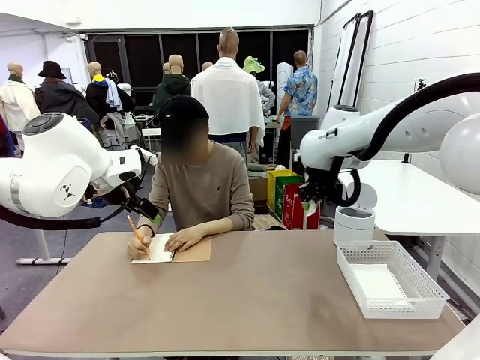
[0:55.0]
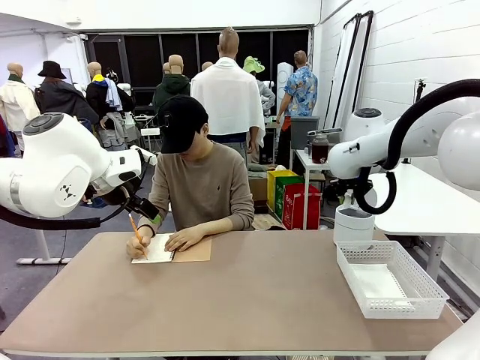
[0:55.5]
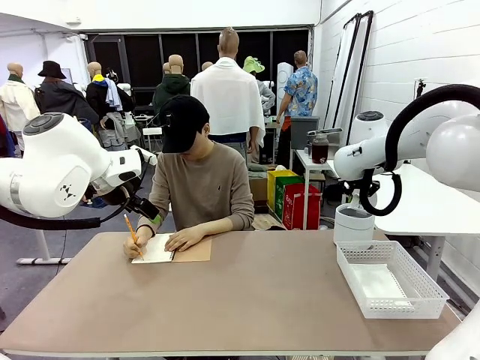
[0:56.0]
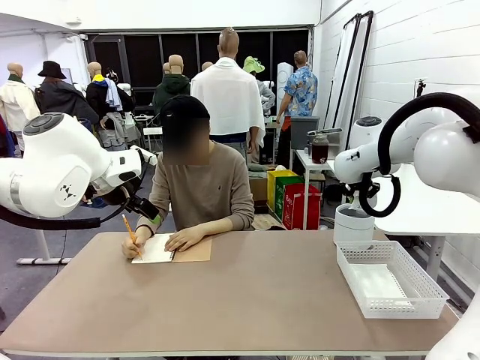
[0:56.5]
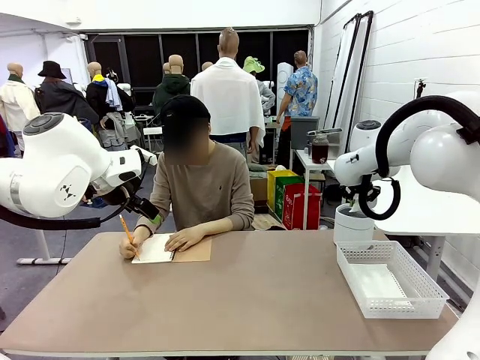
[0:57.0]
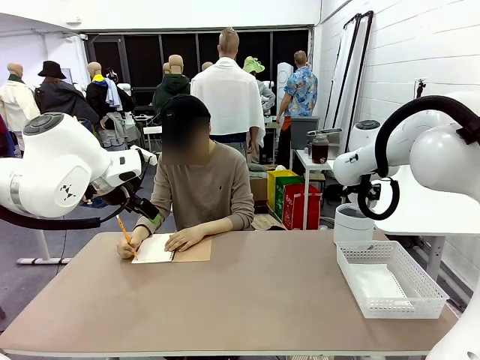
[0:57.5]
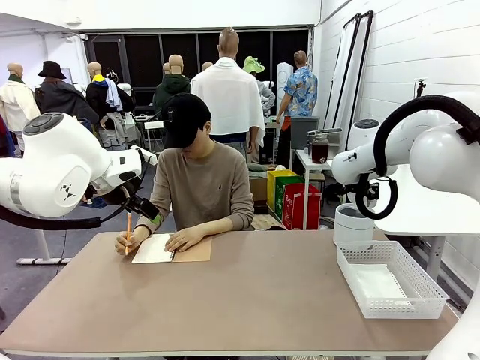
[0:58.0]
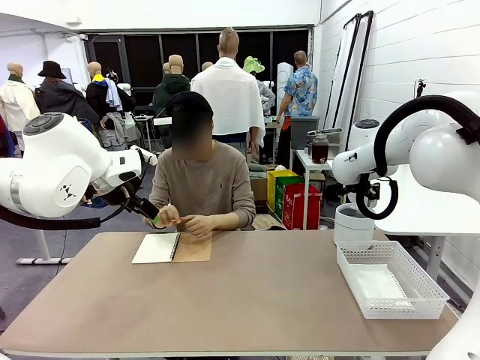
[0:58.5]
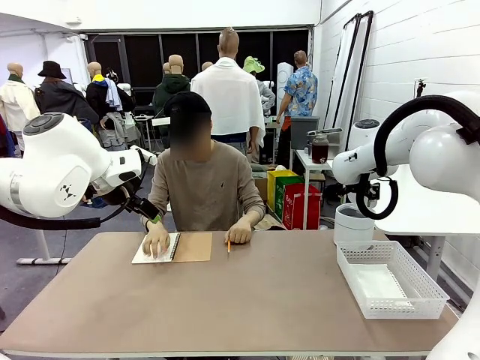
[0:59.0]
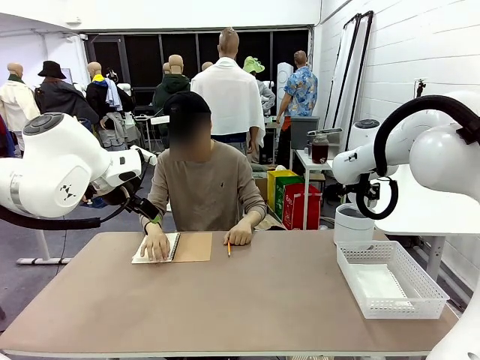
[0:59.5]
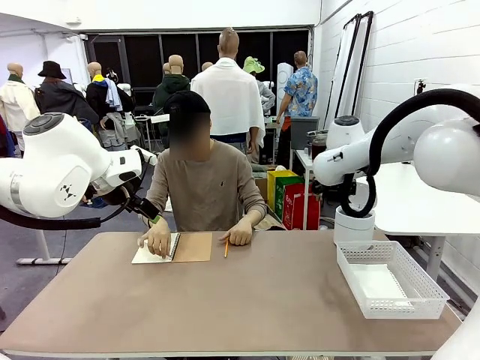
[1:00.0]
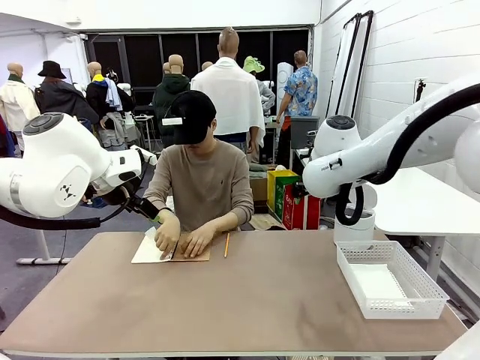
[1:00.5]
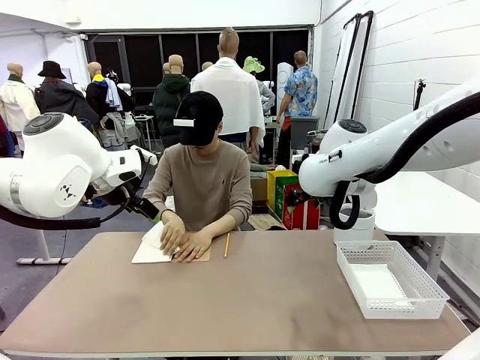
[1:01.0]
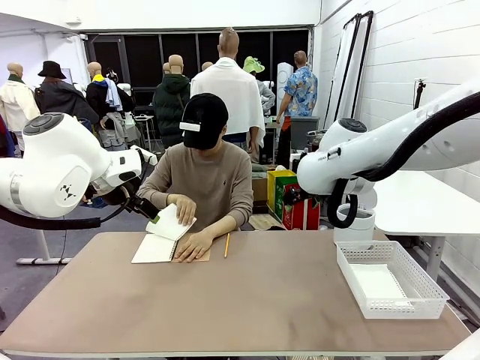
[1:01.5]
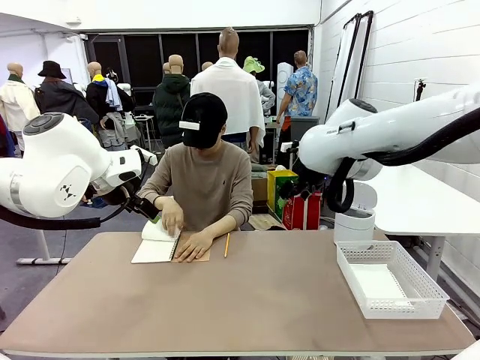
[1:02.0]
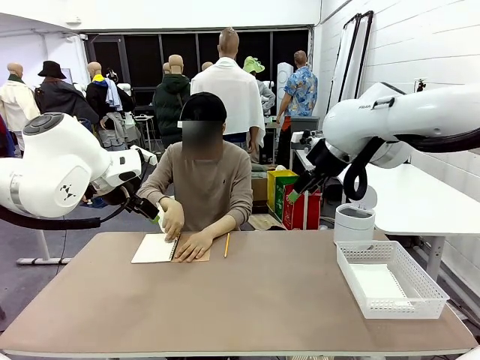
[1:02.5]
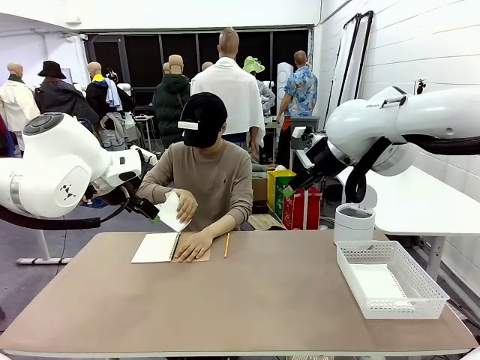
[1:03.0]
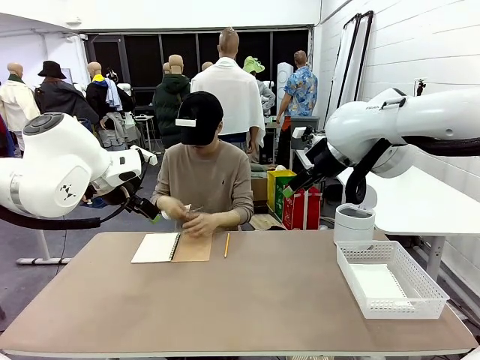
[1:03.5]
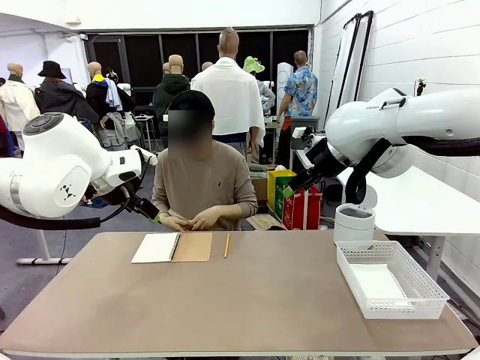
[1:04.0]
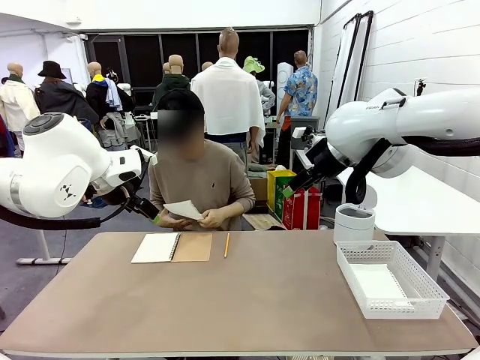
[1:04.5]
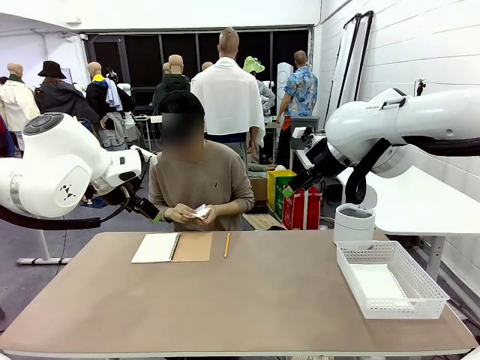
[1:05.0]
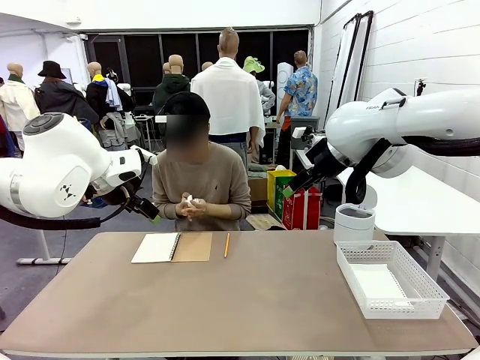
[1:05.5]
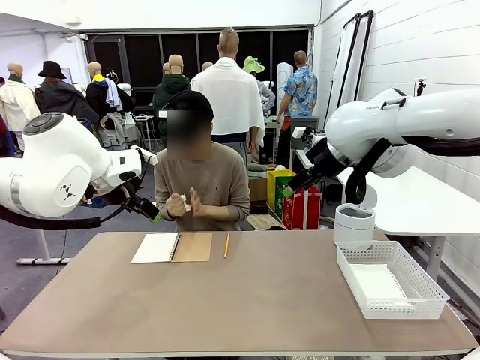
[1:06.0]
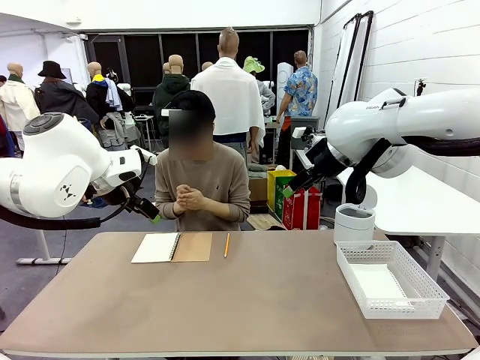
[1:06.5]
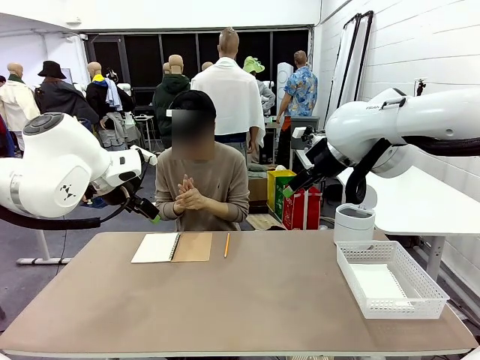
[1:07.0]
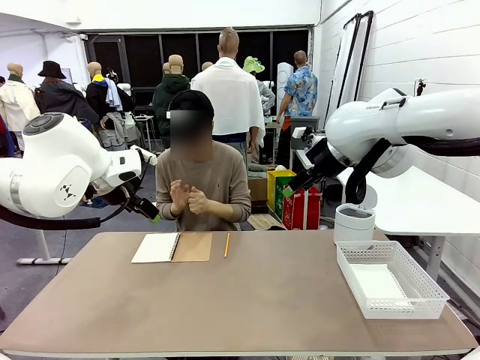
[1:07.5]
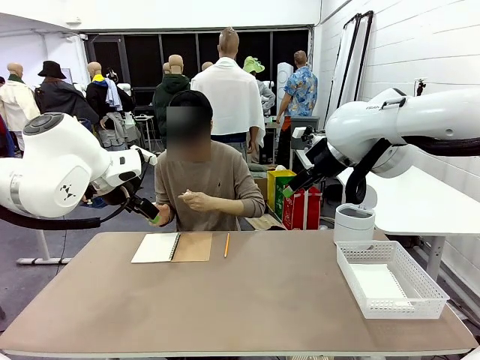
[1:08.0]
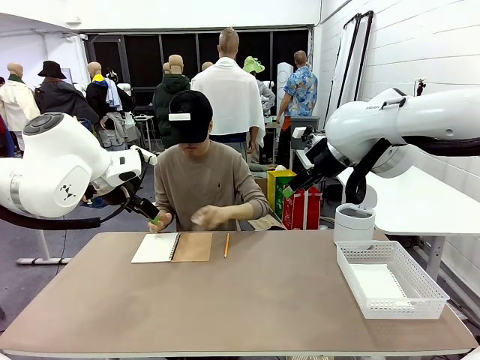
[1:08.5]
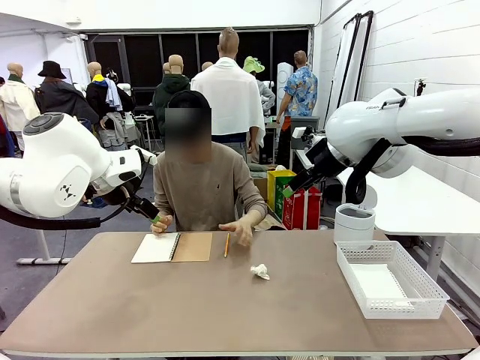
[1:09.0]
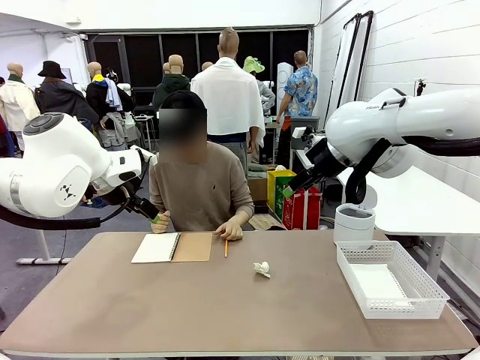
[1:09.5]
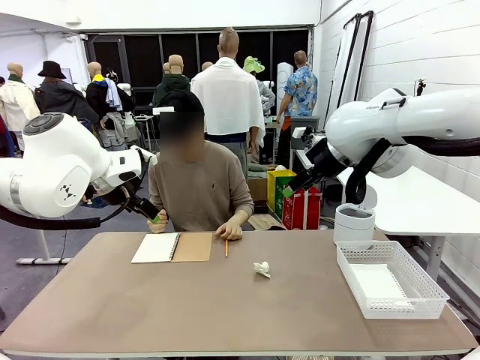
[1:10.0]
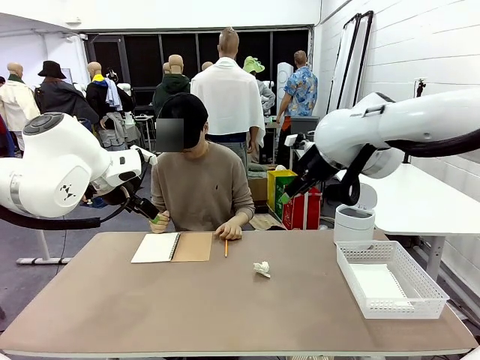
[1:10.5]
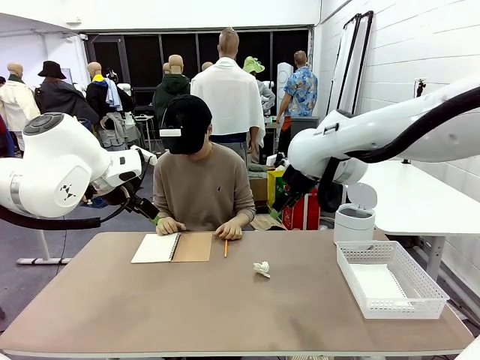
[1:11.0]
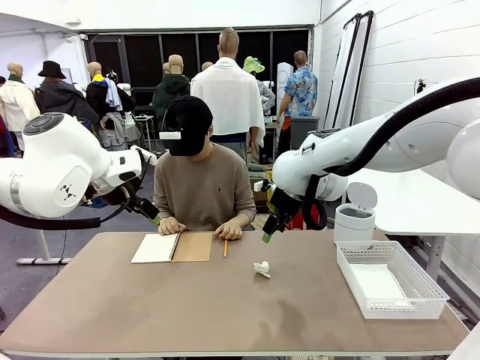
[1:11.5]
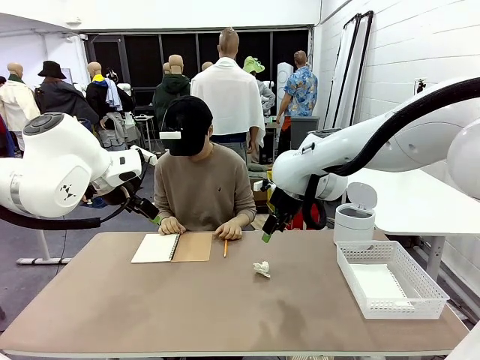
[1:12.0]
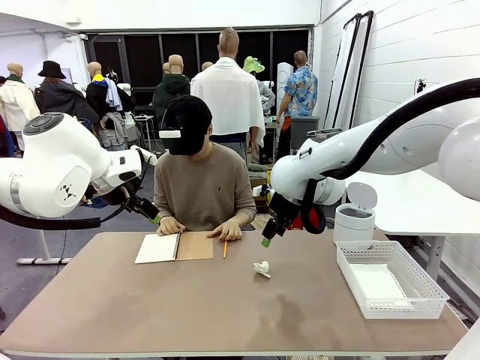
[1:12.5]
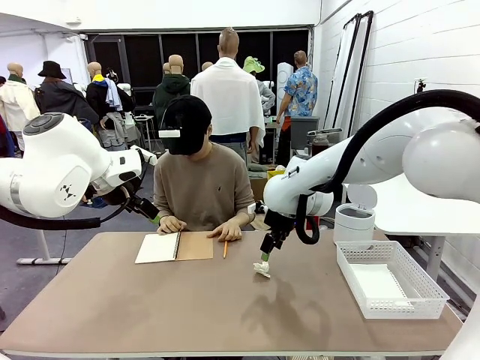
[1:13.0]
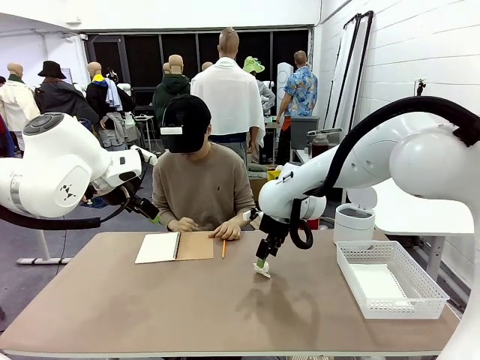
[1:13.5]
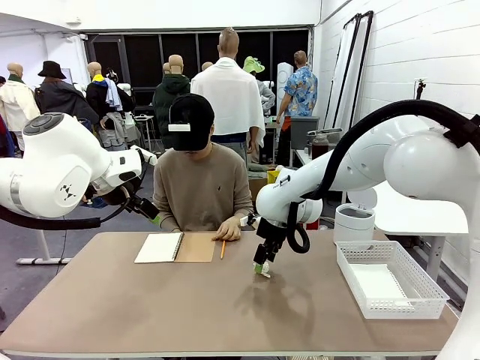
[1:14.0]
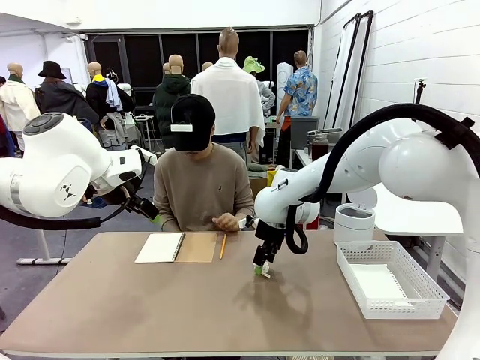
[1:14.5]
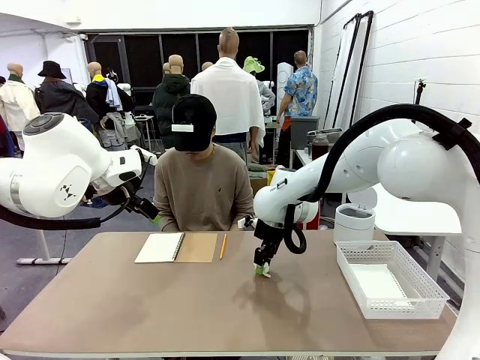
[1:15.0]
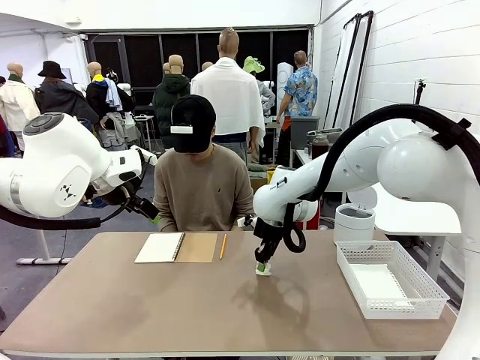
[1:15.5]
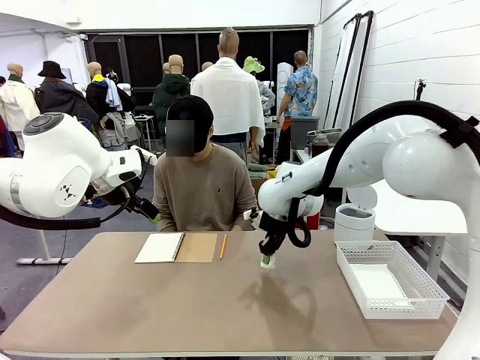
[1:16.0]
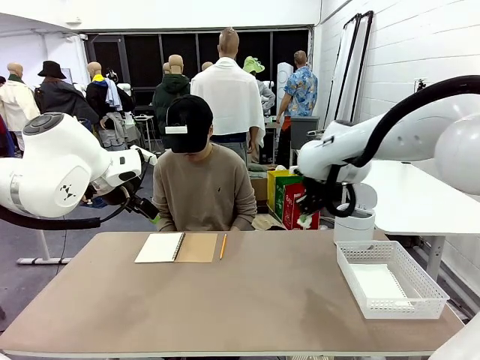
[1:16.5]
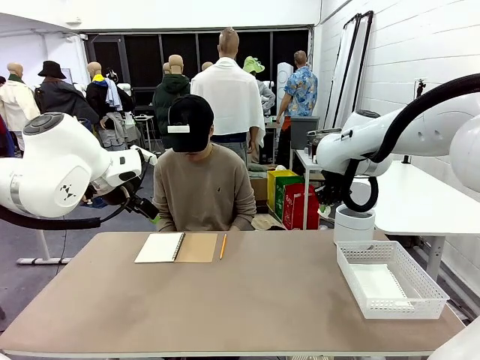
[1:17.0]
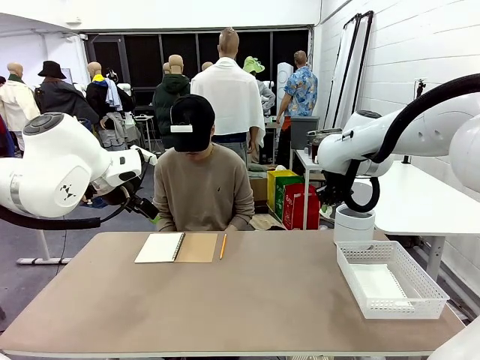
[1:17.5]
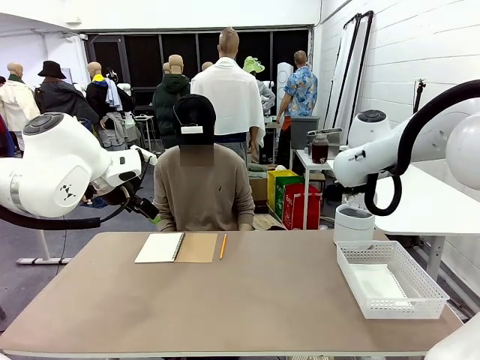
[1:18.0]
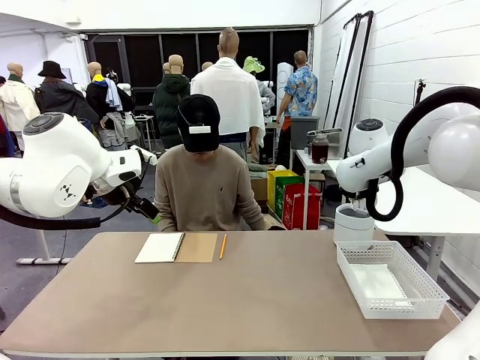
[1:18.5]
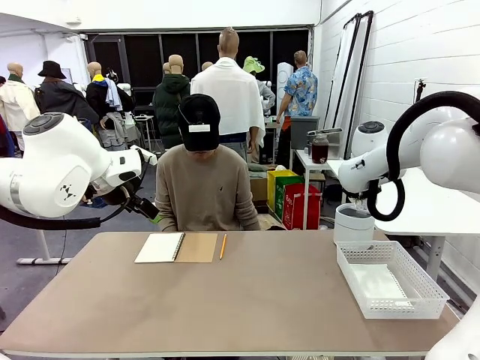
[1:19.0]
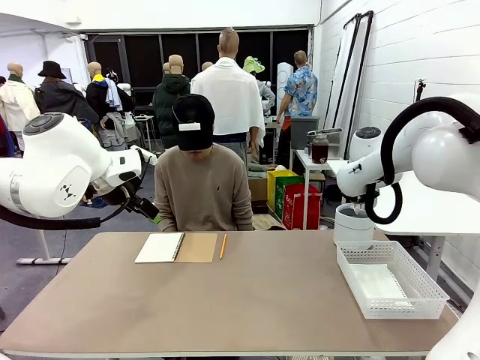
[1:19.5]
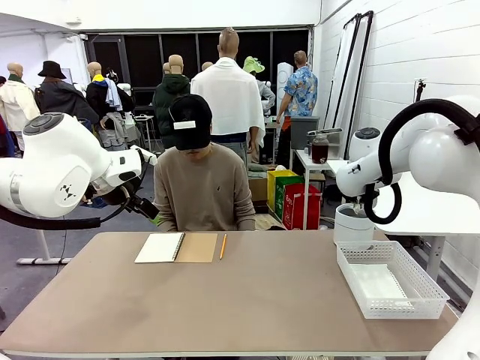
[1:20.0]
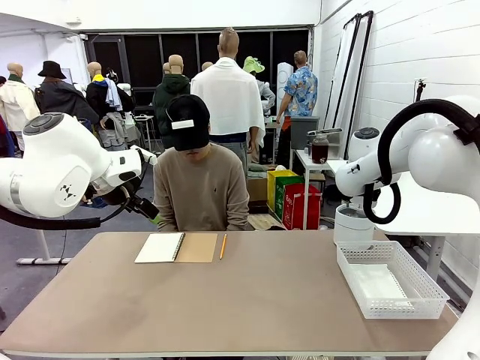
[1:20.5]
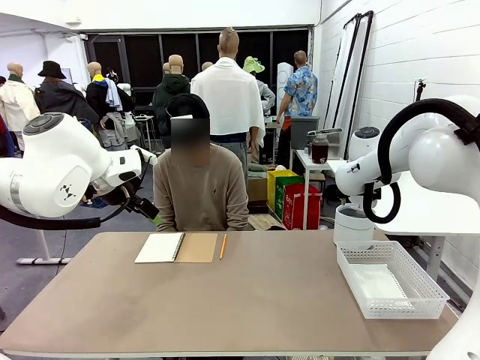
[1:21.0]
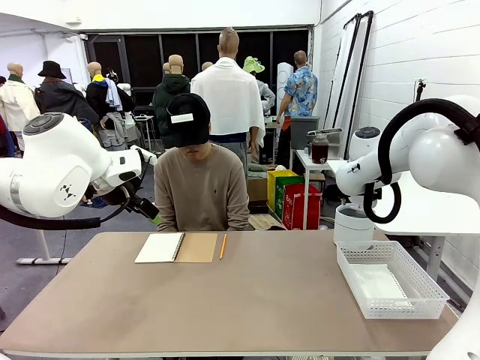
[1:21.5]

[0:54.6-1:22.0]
Task: Sort the paper based on its condition.
Robot: If a person hands you a paper, place it in the Organizing basket , and if it's crumpled, put it in the Trash can.
Person: Tear out a page from the spiral notebook. Hand the torn page to the robot or crumple it and throw it to the center of the table.
